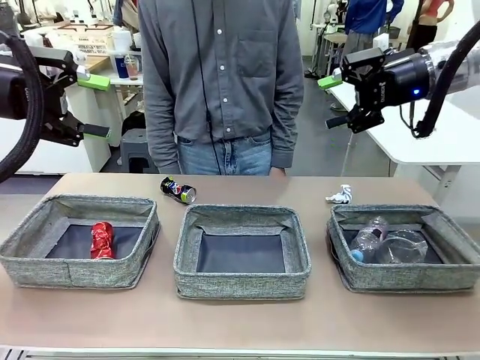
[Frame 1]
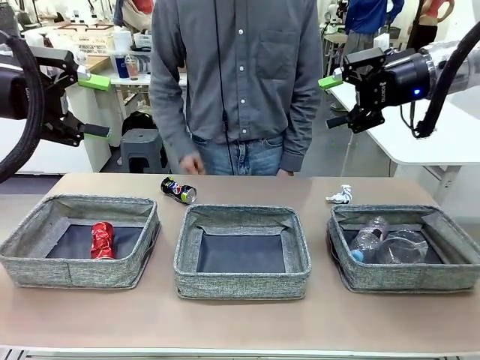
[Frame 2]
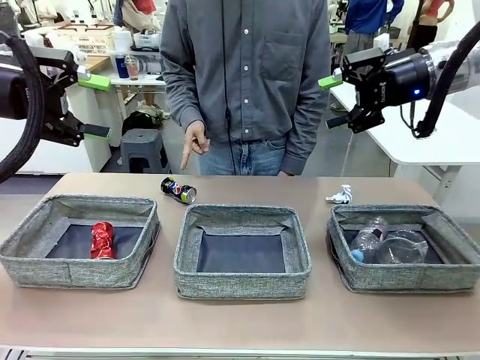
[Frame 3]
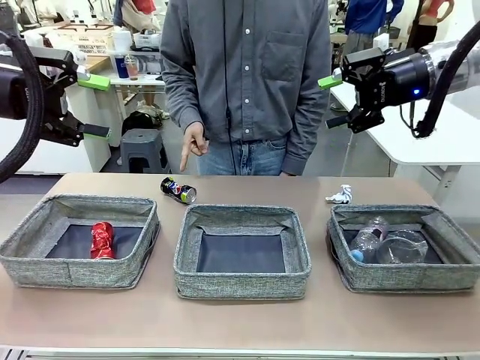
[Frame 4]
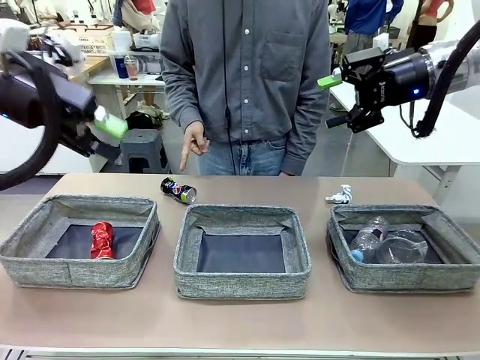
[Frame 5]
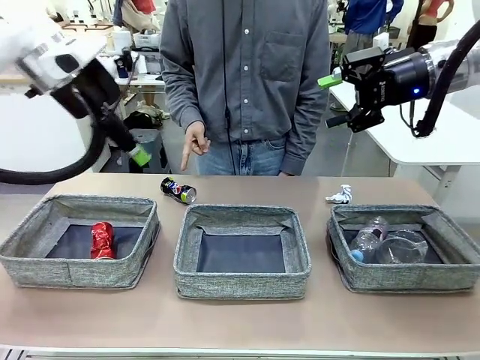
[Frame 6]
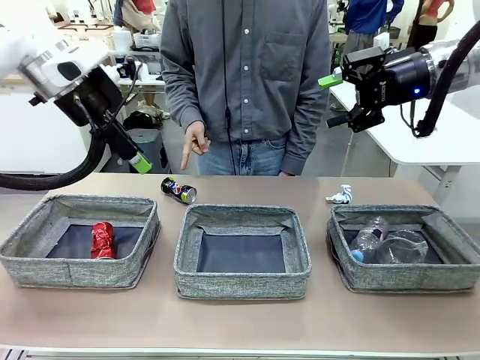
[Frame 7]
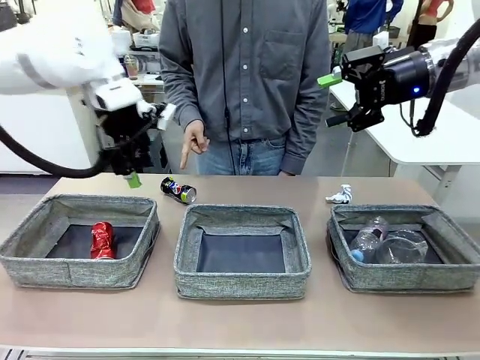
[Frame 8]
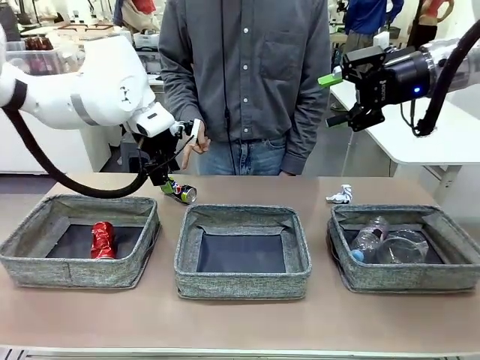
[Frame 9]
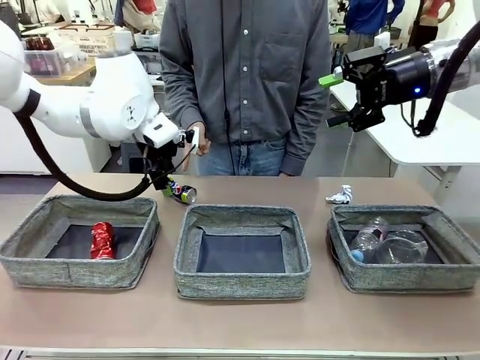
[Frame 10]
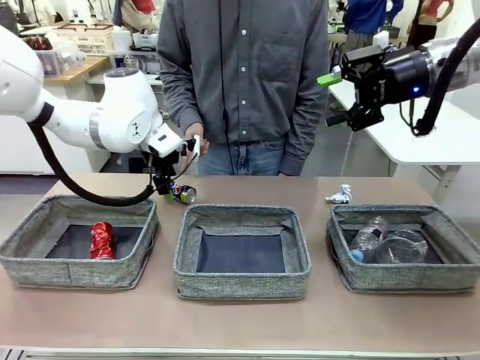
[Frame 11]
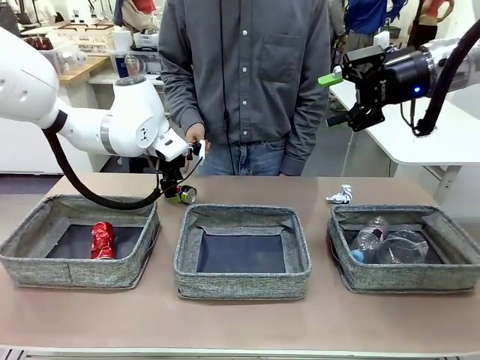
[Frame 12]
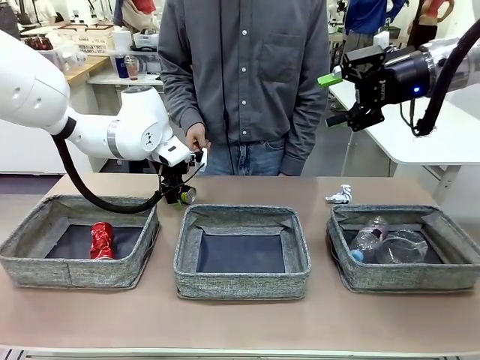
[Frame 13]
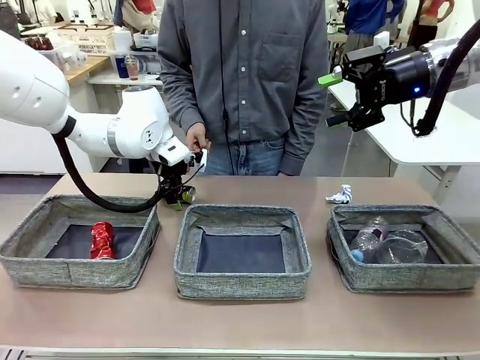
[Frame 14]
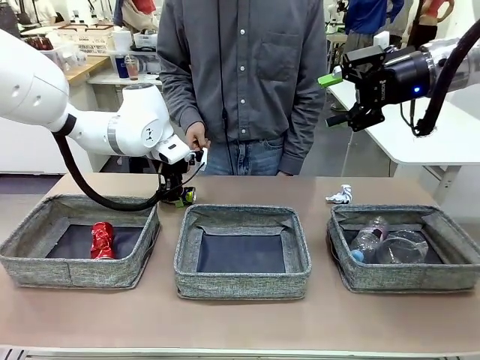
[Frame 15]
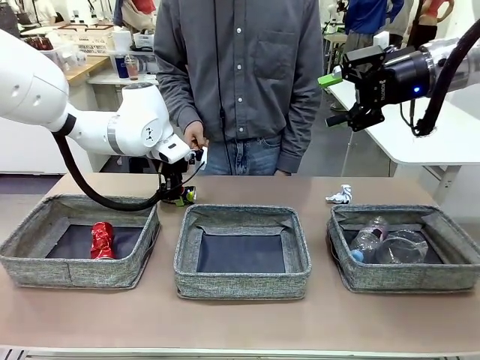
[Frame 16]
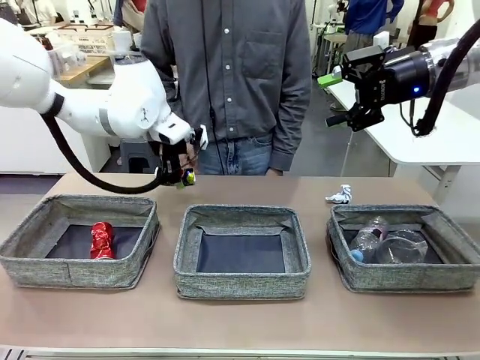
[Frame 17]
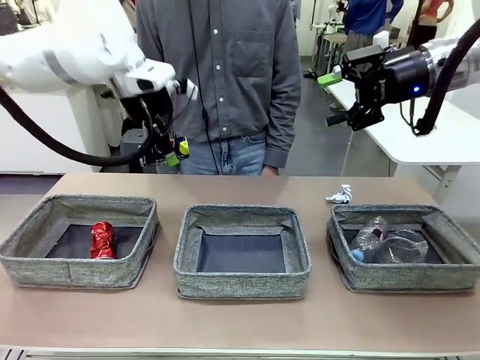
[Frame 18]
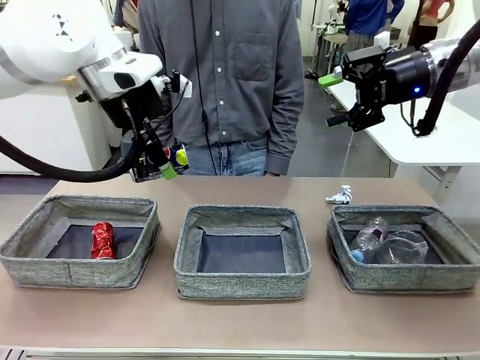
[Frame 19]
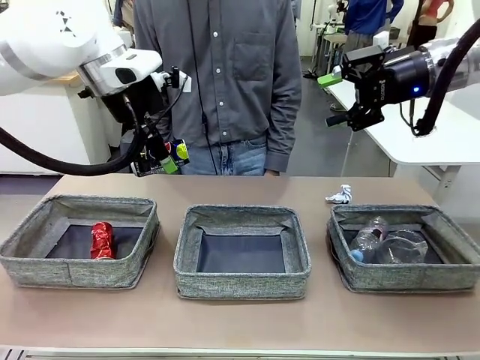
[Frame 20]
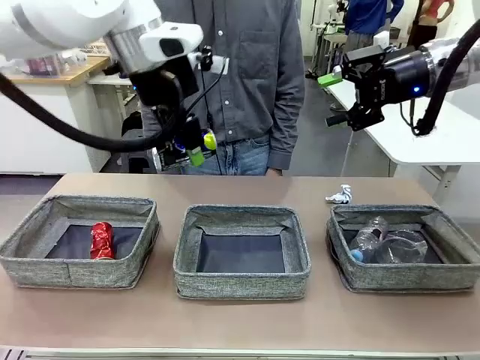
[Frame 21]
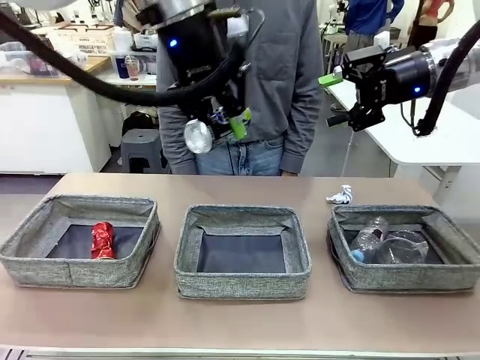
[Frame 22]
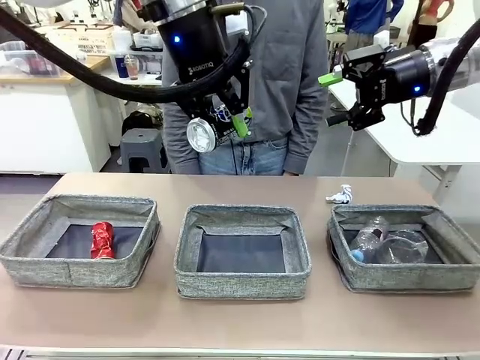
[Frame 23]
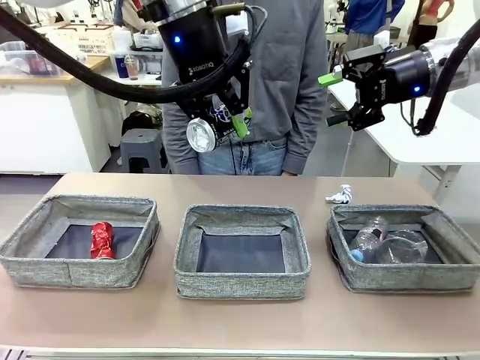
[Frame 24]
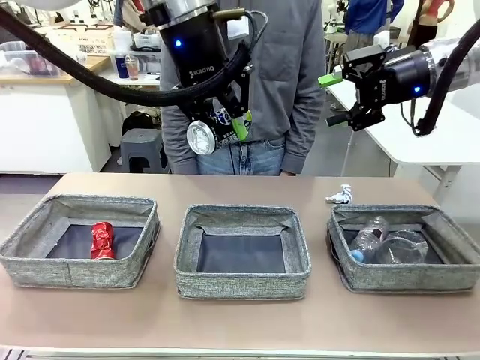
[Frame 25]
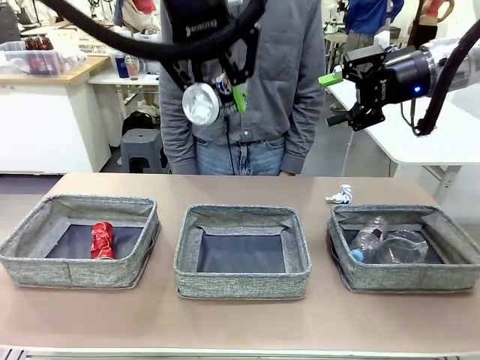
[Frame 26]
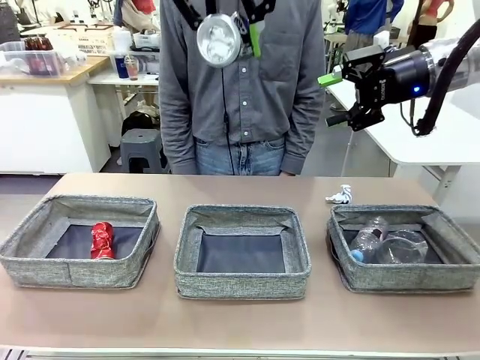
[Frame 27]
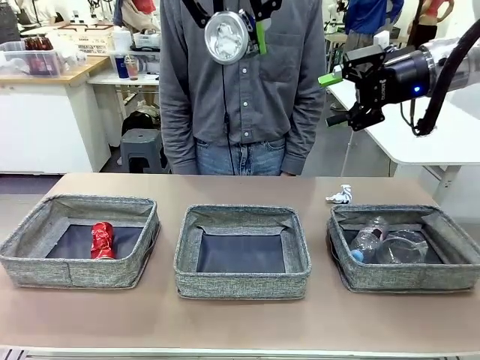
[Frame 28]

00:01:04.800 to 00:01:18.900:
Task: Sort the waste into the appropriate baskets.
Robot: Pick up the waste item pointed out by the person.
Person: Points to one piece of trash on the table.

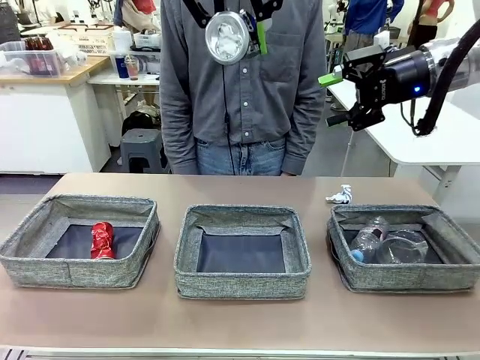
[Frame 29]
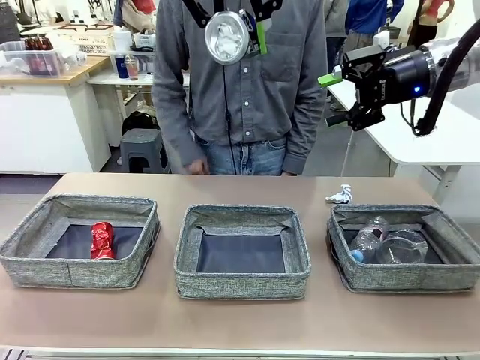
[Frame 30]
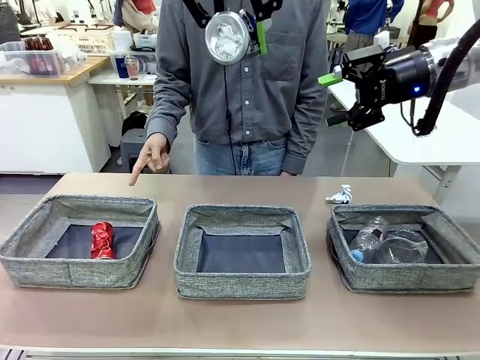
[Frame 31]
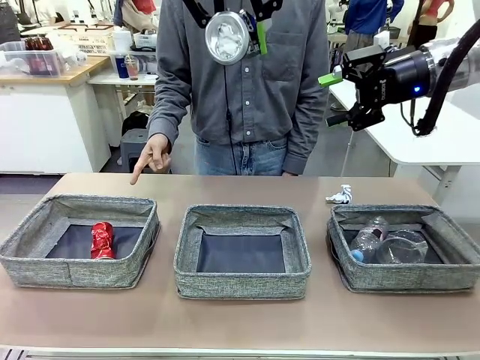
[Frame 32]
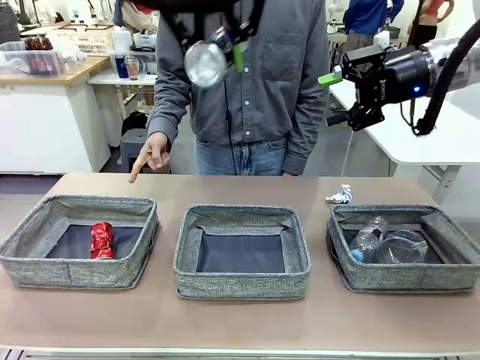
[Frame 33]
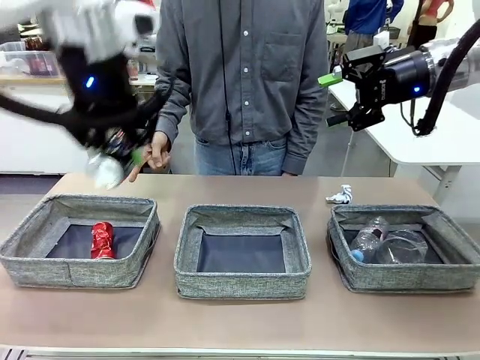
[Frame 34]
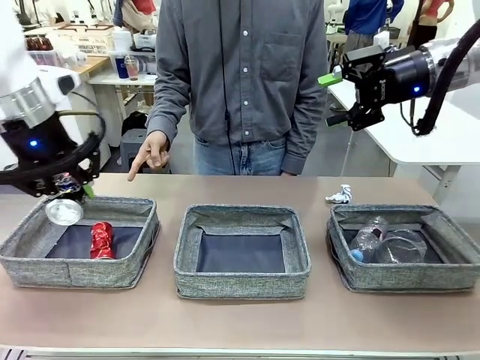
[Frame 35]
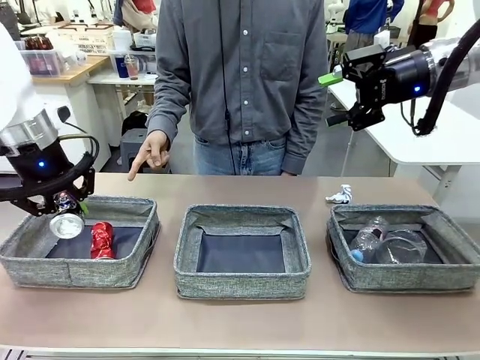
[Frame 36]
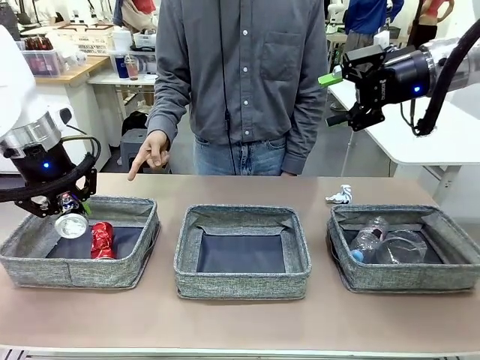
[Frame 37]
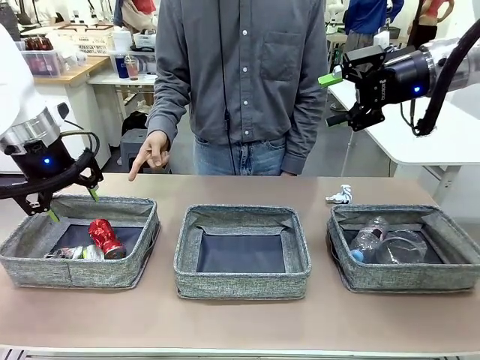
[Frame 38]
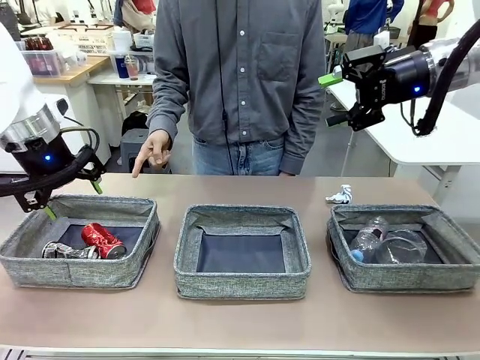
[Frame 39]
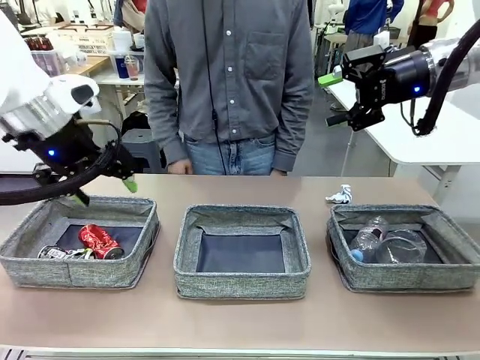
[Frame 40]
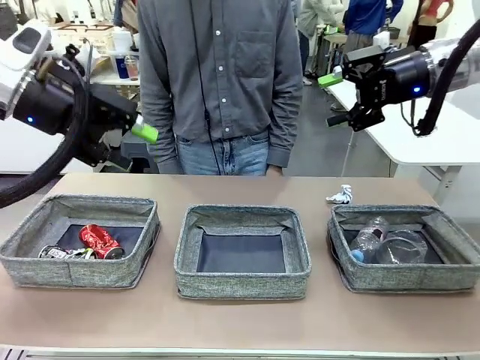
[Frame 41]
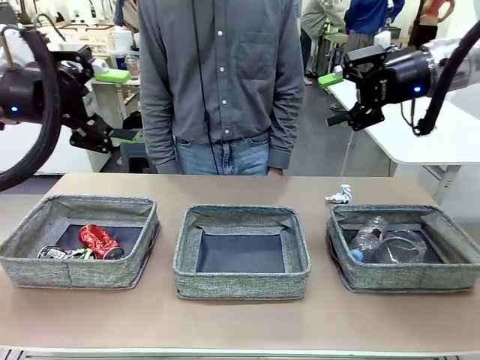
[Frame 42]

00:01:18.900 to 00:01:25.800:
Robot: Place the picked waste into the Fabric basket indicated by the person.
Person: Instructs the robot to place the picked-up trash into the appropriate organizing basket.

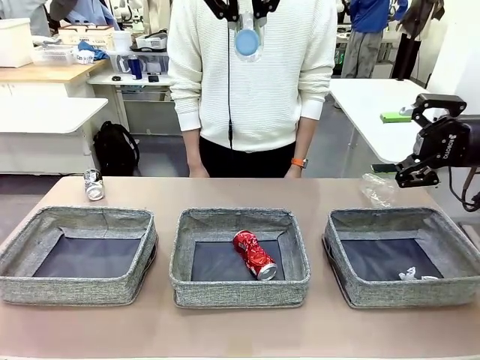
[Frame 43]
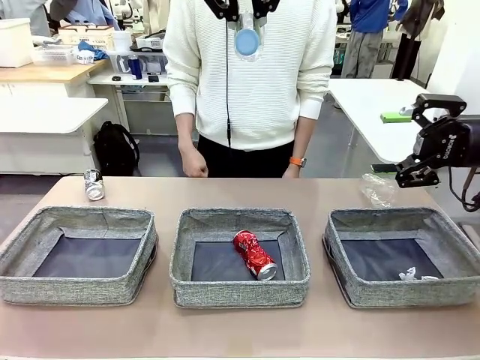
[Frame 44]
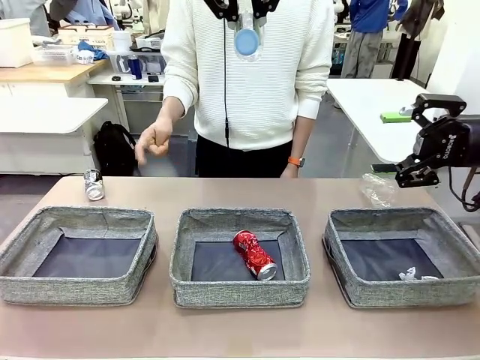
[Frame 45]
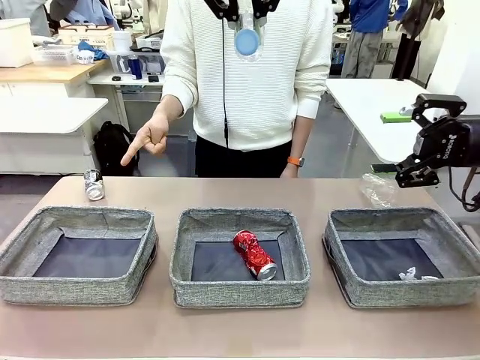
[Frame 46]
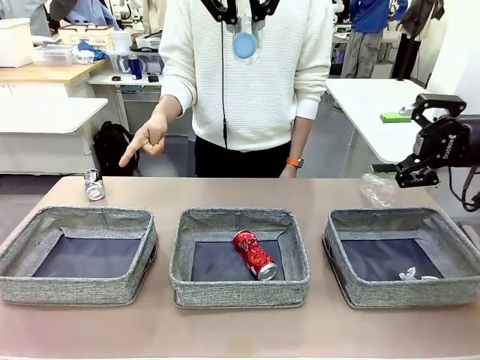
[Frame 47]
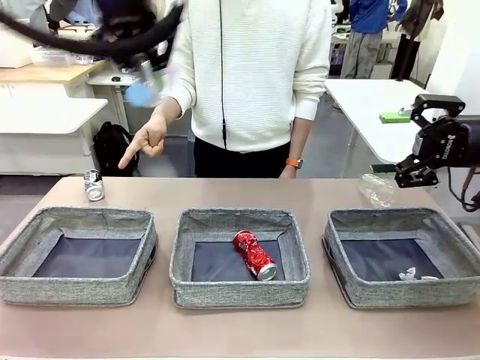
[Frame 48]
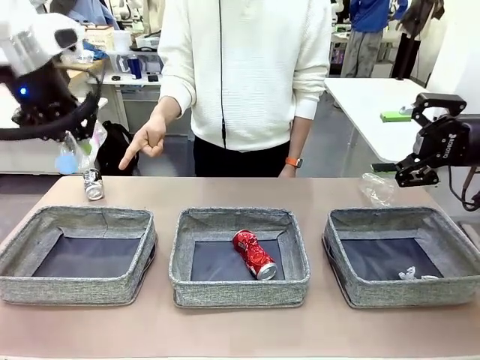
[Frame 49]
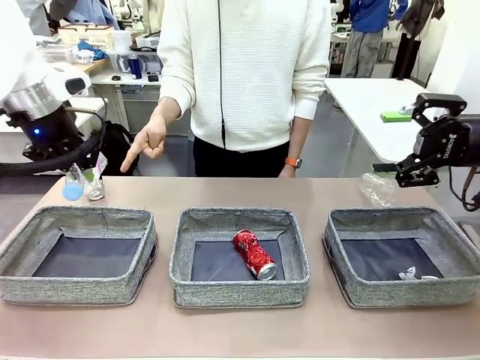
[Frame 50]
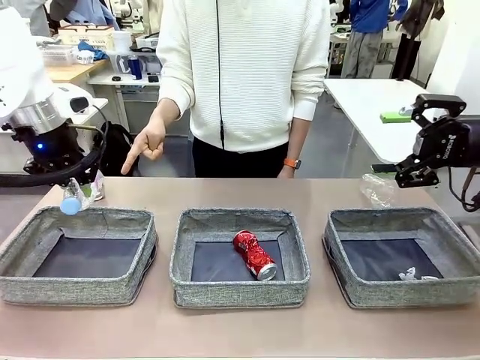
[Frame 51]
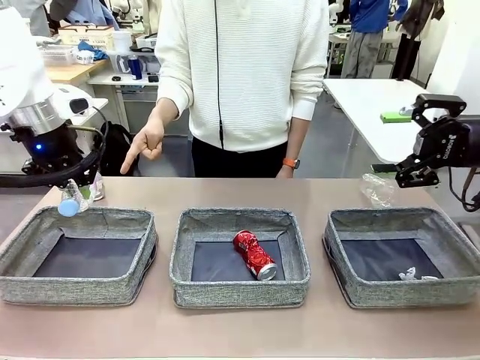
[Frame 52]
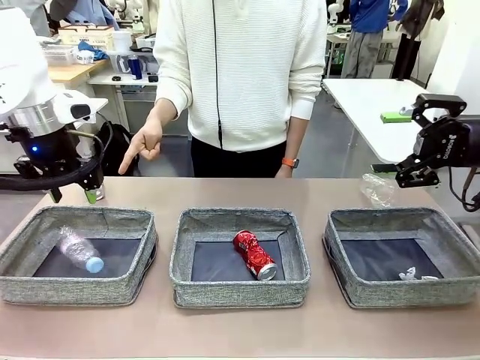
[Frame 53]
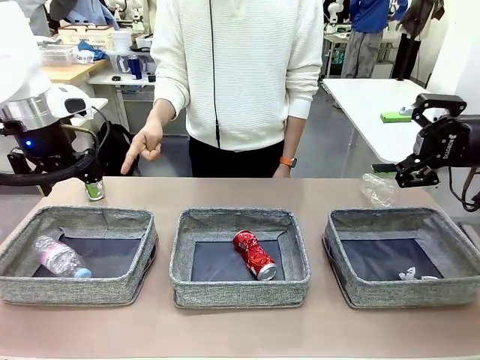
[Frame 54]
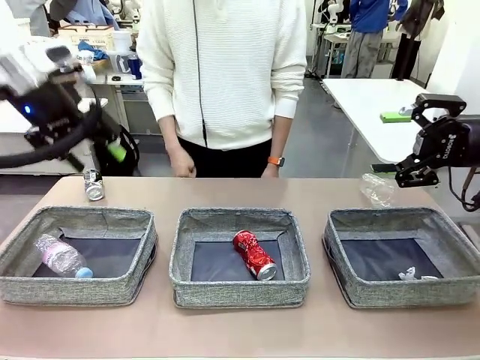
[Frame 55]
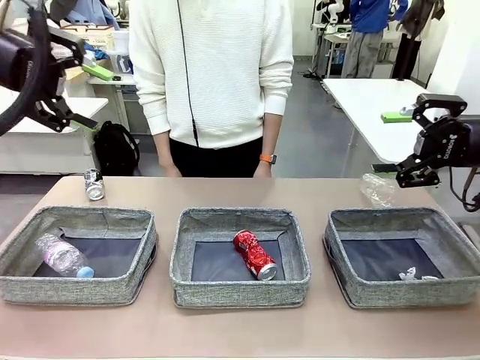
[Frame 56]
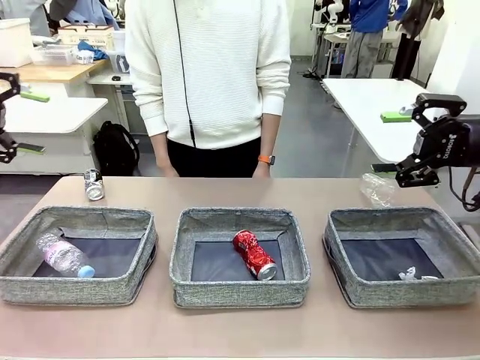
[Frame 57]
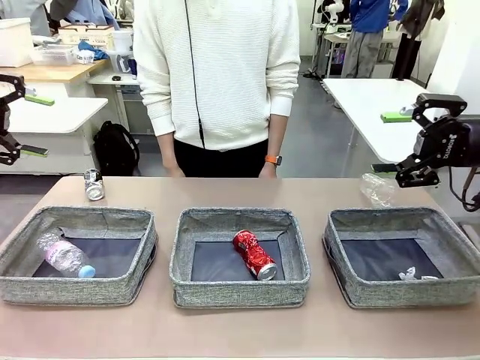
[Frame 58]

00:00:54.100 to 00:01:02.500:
Task: Sort the waste into the appropriate baskets.
Robot: Place the picked waste into the Fabric basket indicated by the person.
Person: Instructs the robot to place the picked-up trash into the appropriate organizing basket.
